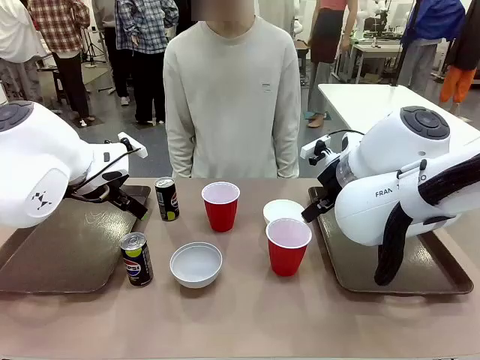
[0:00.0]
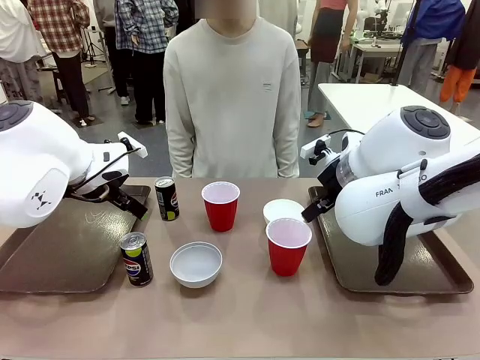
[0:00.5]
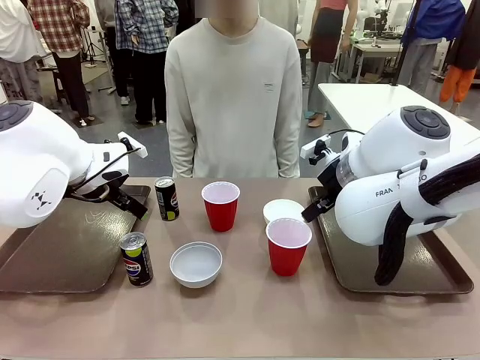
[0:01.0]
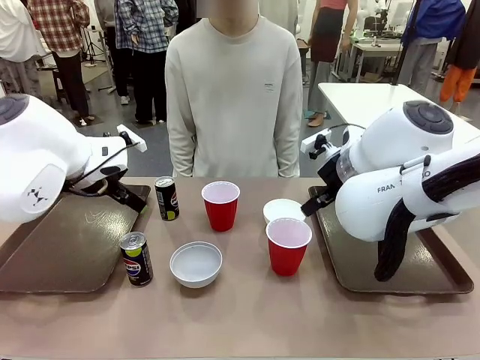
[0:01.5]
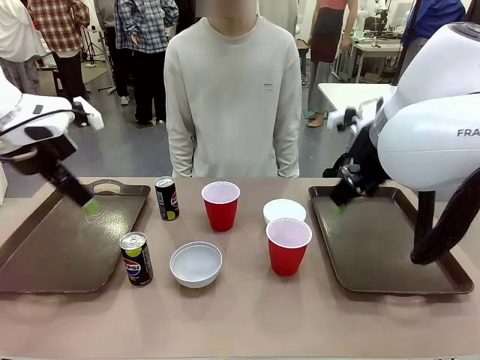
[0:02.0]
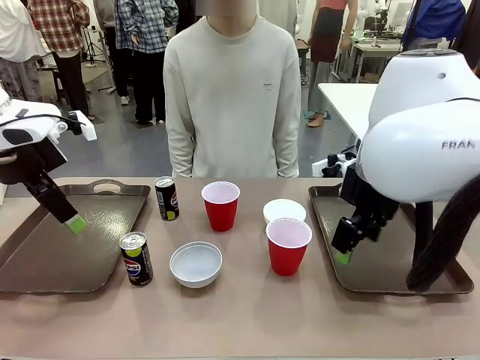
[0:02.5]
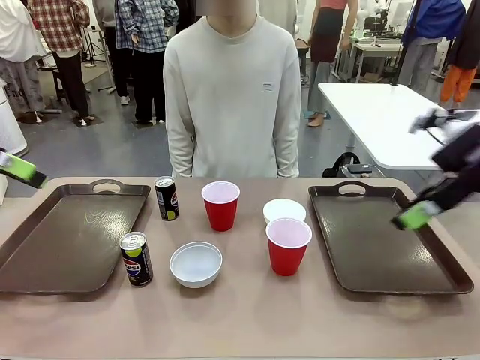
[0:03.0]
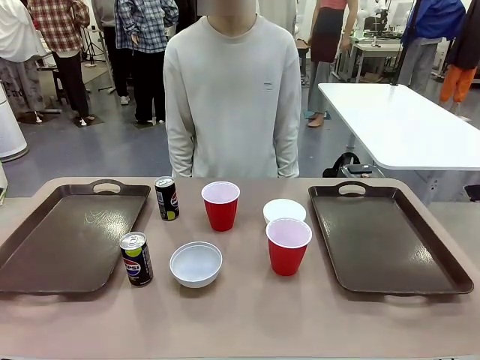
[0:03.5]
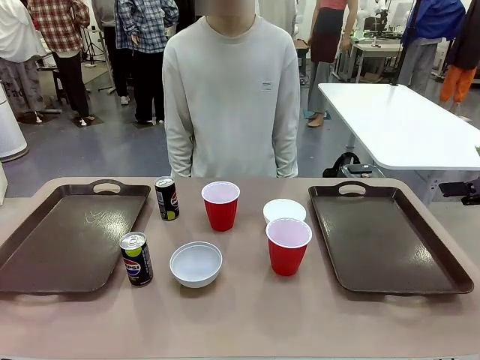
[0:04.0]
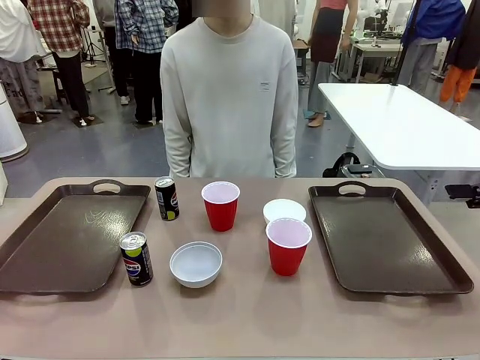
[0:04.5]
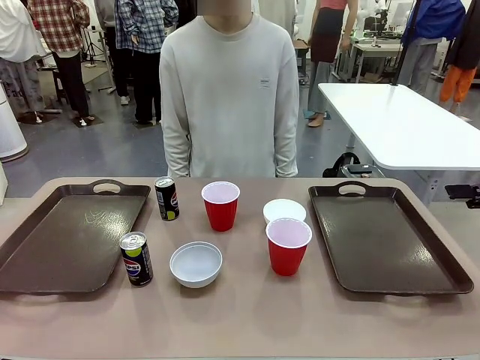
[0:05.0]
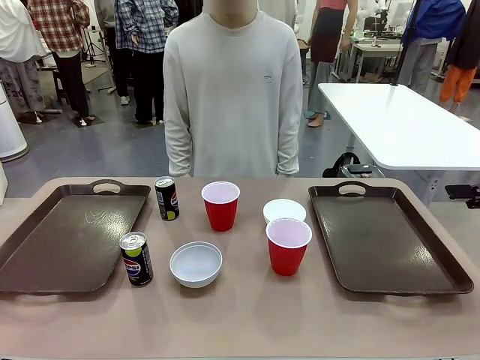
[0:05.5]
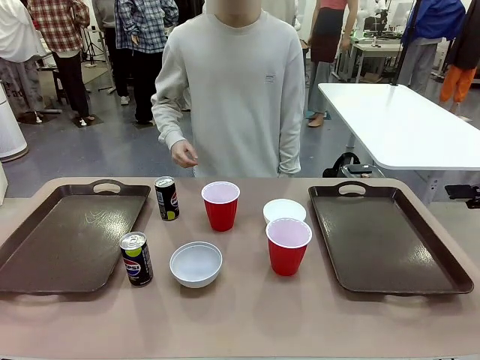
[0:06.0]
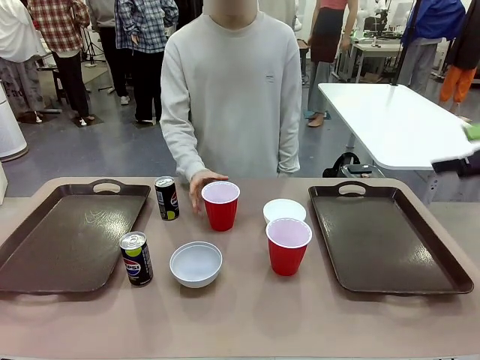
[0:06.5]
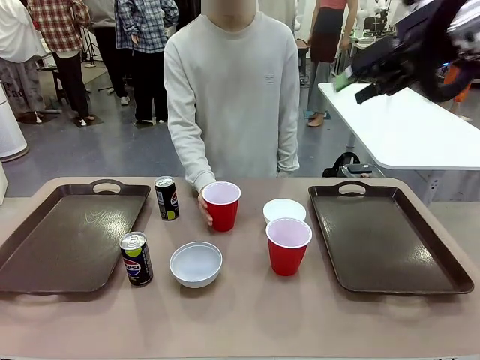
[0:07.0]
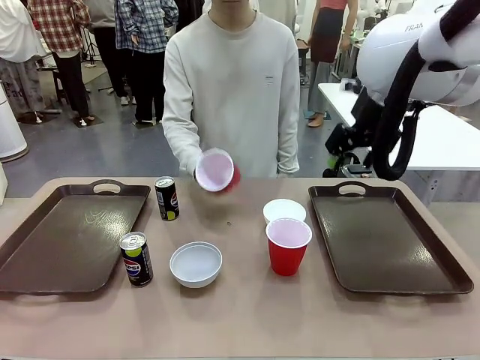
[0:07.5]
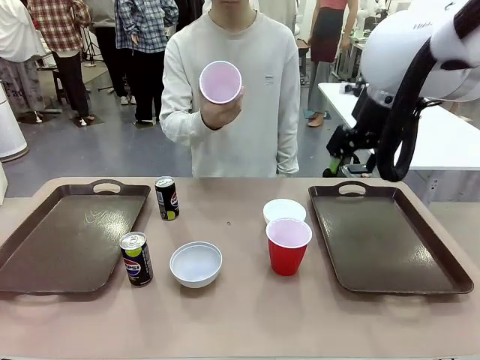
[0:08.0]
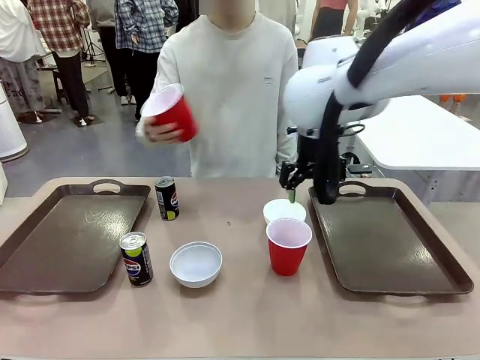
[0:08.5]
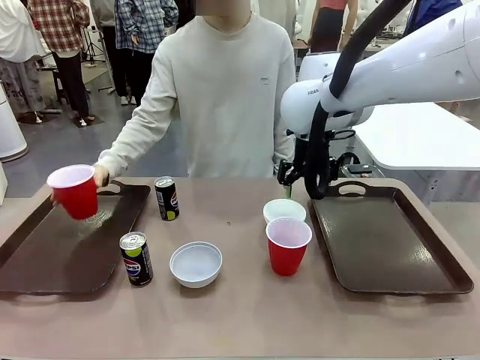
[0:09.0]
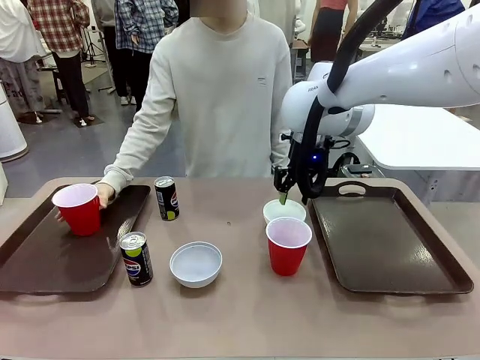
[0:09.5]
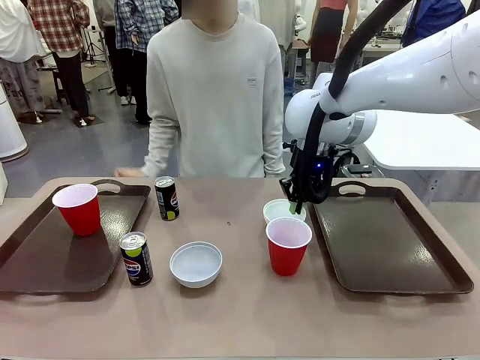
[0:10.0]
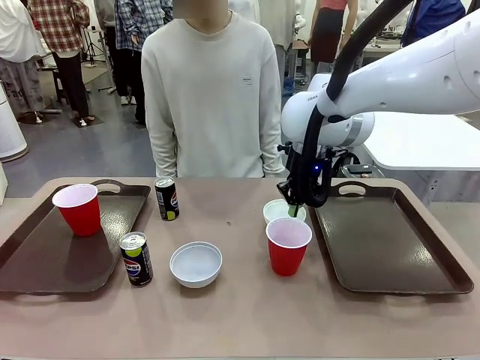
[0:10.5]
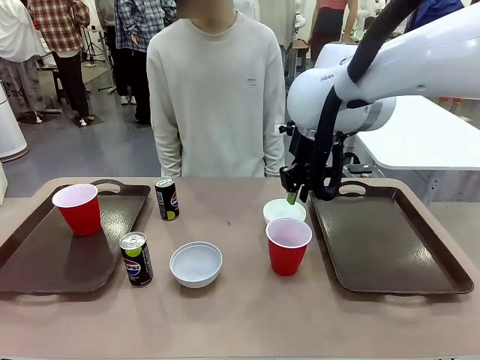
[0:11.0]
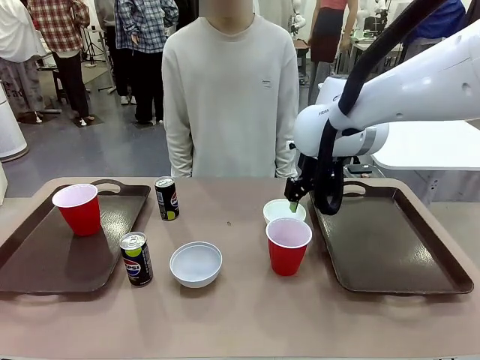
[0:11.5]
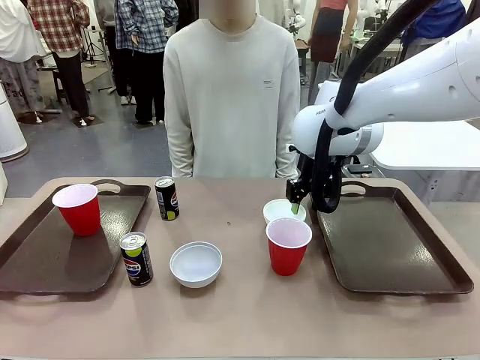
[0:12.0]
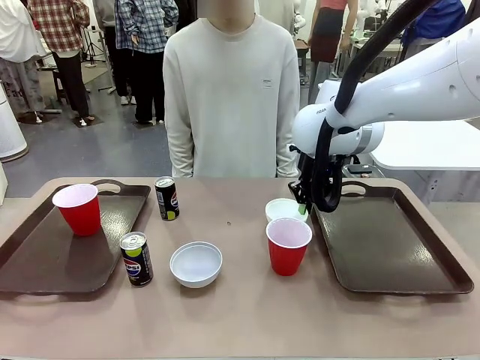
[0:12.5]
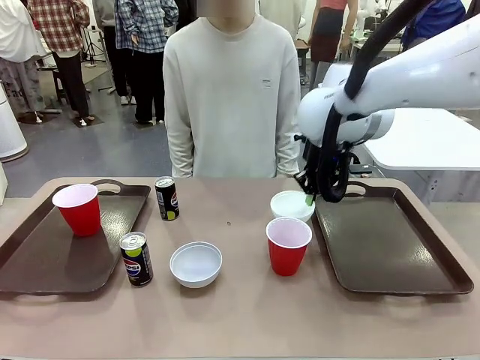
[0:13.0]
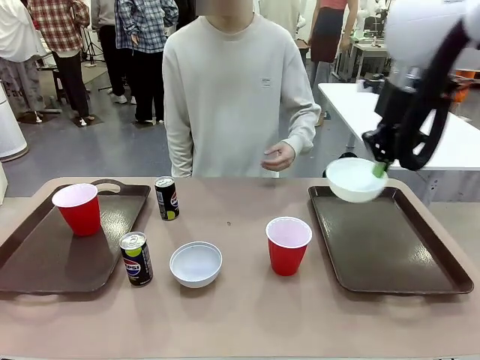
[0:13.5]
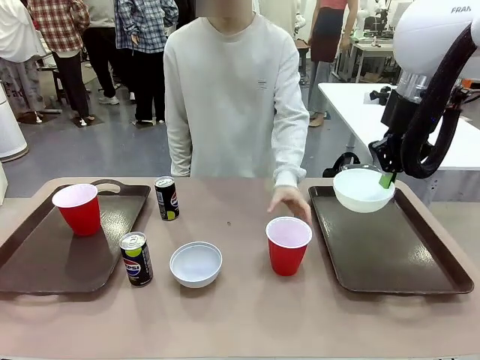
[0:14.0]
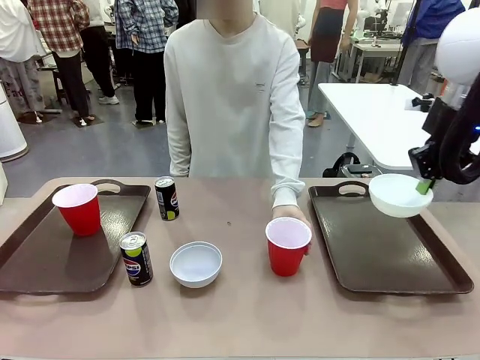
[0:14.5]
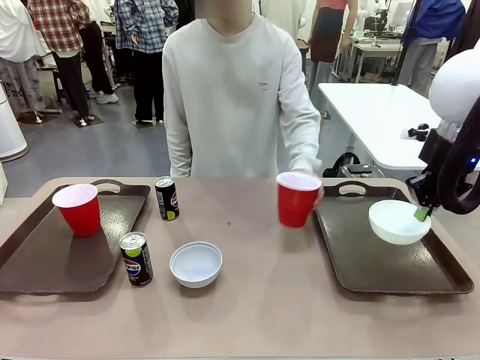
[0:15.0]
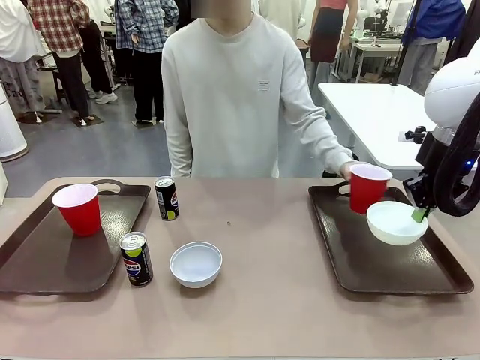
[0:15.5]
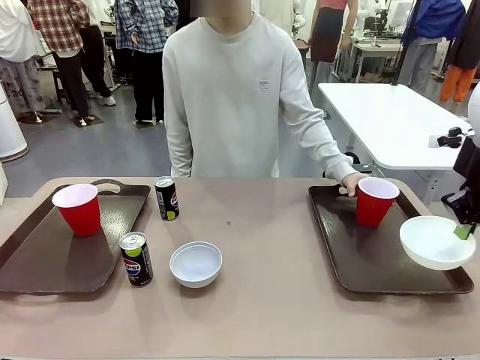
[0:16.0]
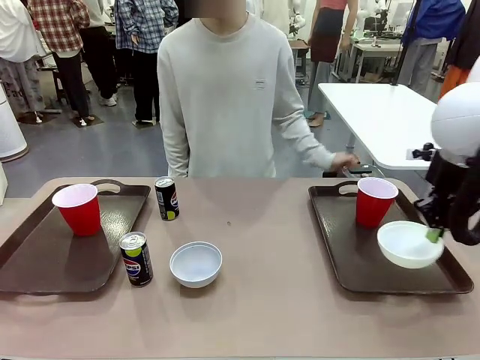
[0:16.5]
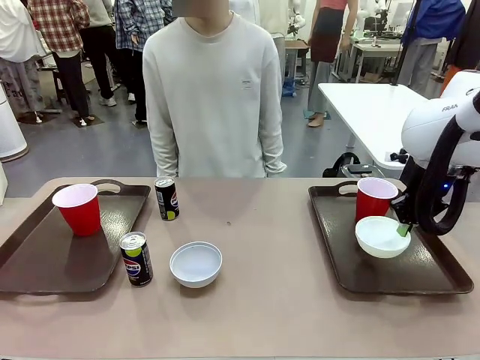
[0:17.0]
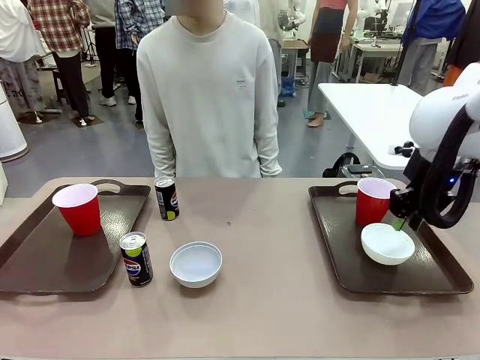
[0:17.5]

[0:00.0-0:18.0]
Task: Prepare tableware on both trays.
Robot: Pick up a Picnic Bowl from the table and place it on a Handle tray.
Person: Pick up a can or cup and place it on the tray.

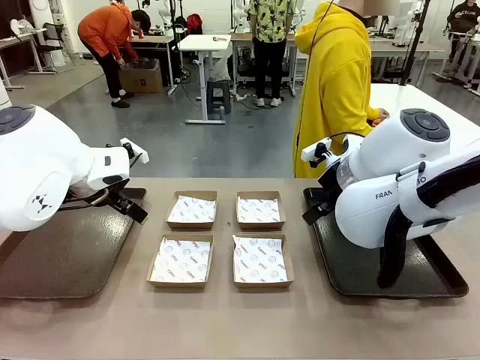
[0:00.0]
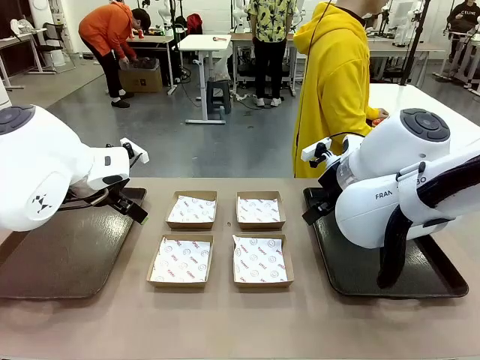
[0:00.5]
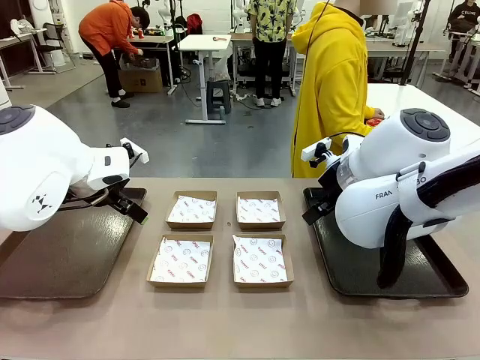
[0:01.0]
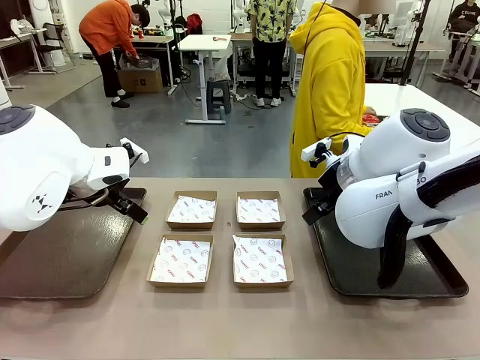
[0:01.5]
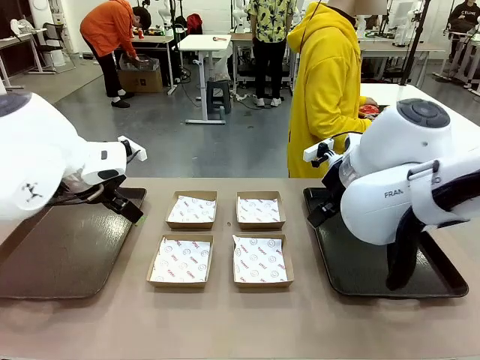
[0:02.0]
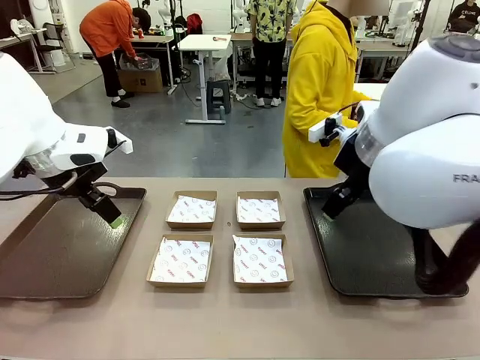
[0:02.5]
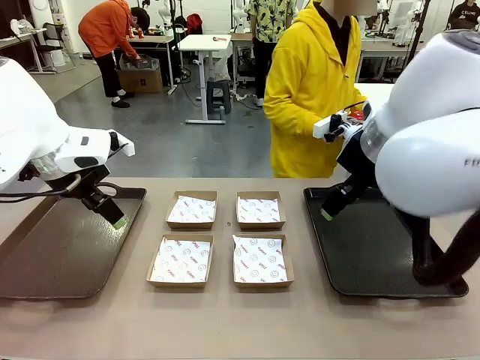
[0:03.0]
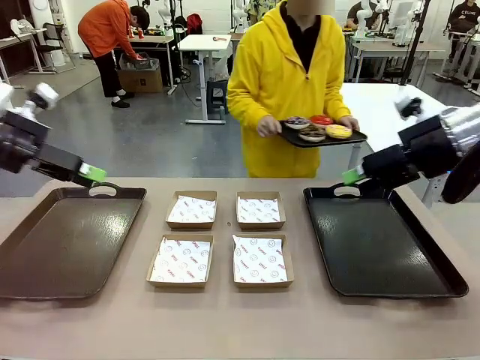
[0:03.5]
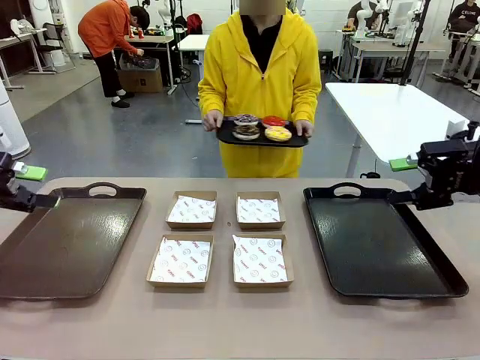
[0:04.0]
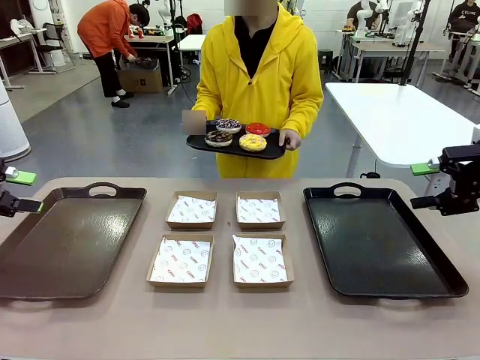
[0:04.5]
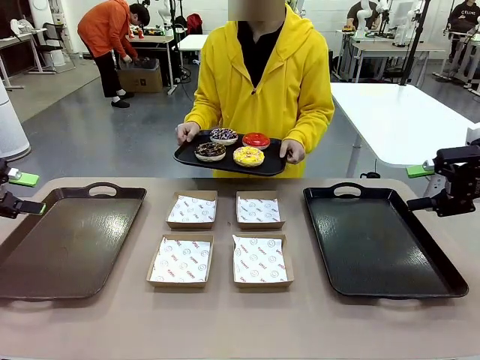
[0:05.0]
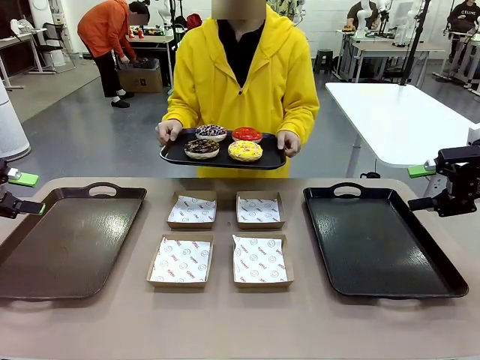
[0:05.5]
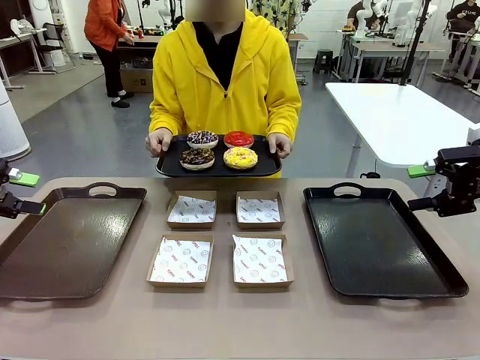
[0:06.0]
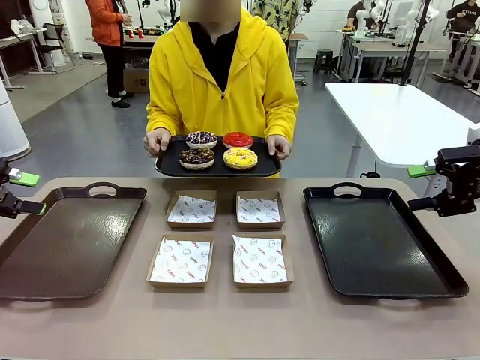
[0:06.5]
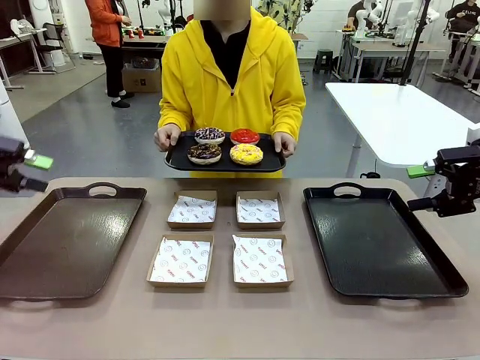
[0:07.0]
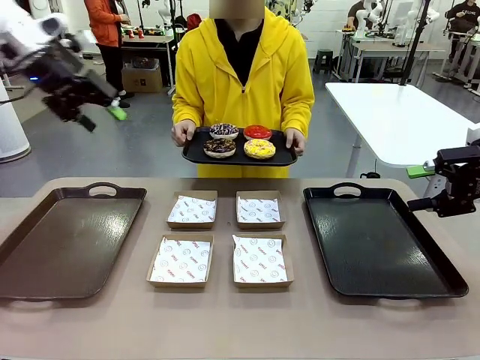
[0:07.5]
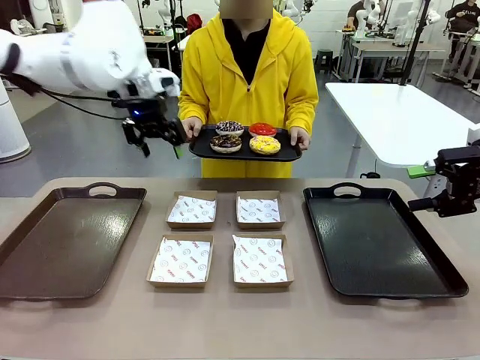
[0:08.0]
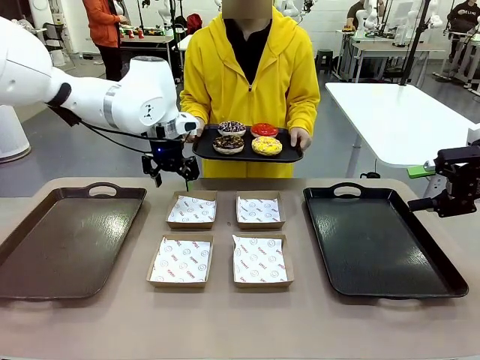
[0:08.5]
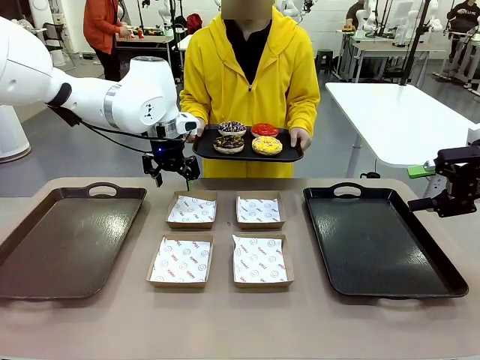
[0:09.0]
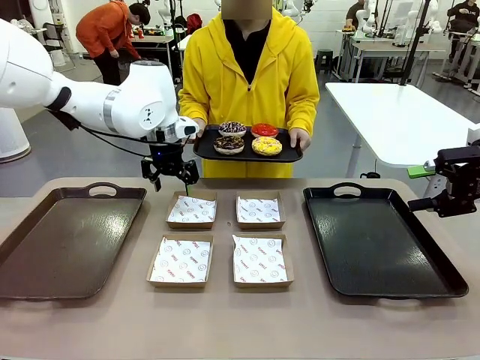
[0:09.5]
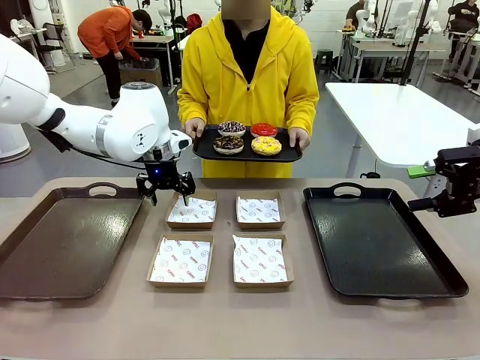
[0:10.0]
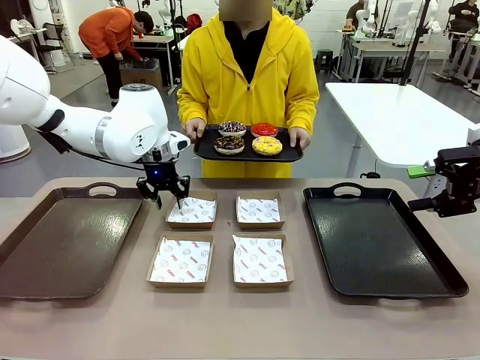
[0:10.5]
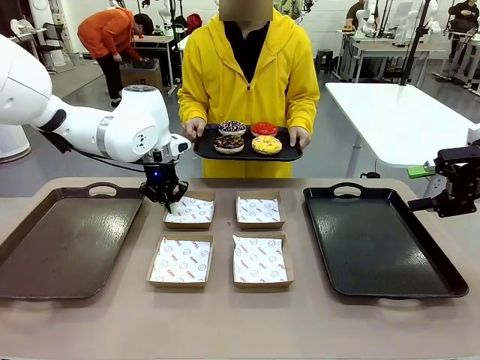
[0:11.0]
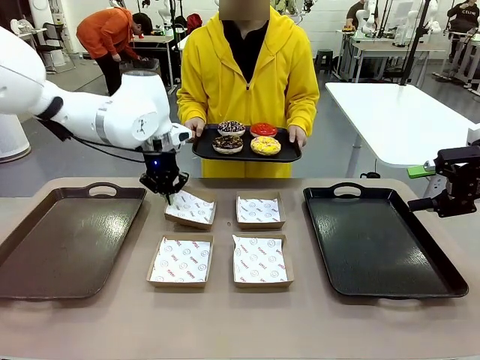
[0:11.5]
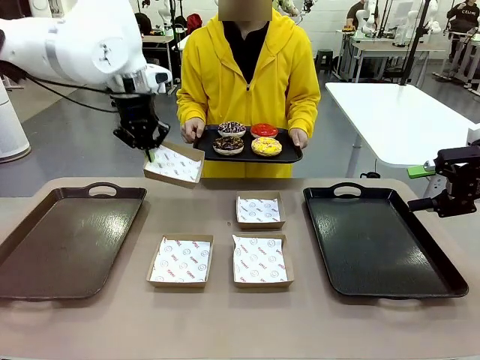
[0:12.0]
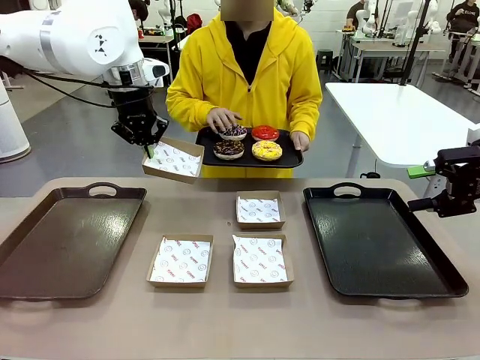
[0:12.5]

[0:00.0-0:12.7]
Task: Individually package the donuts and arrange them on the tray.
Robot: Pick up one Paper togo box.
Person: Stand in front of the robot table holding the tray containing the donuts.
